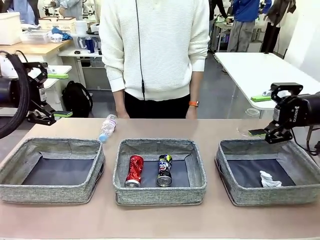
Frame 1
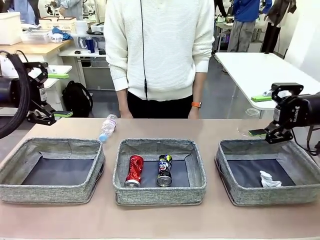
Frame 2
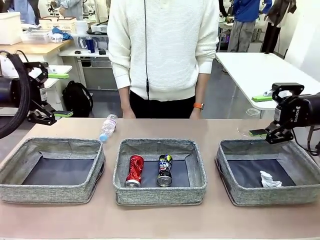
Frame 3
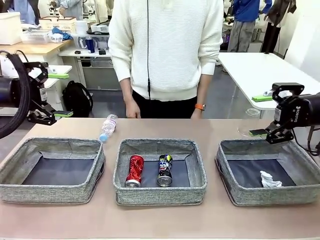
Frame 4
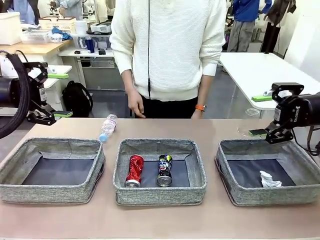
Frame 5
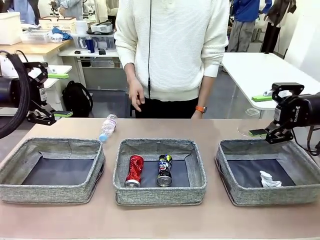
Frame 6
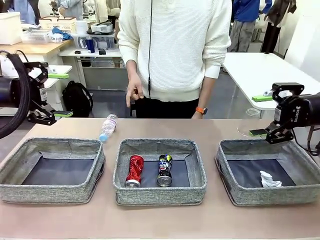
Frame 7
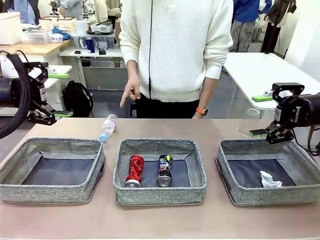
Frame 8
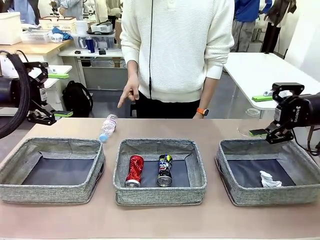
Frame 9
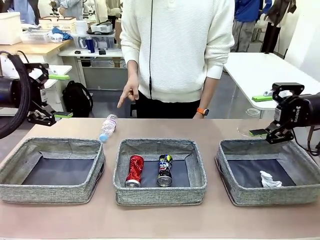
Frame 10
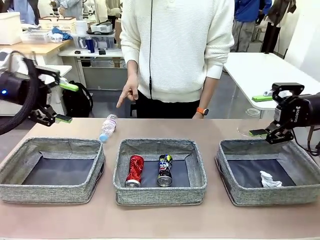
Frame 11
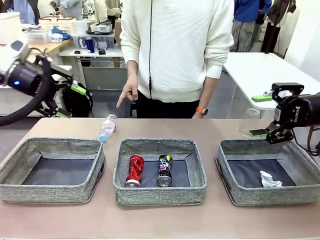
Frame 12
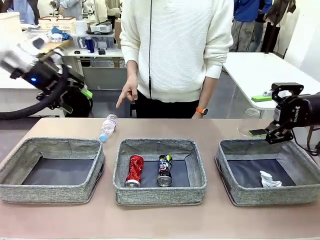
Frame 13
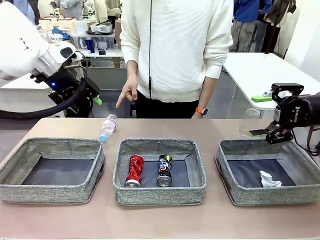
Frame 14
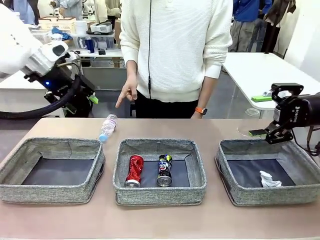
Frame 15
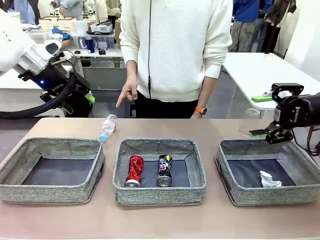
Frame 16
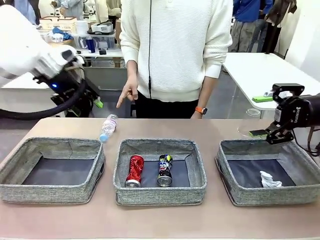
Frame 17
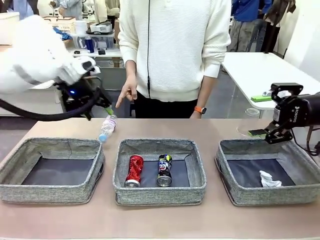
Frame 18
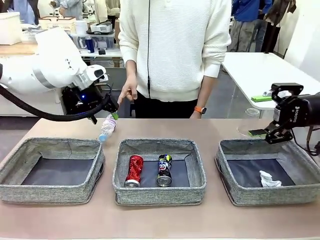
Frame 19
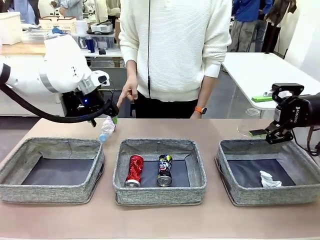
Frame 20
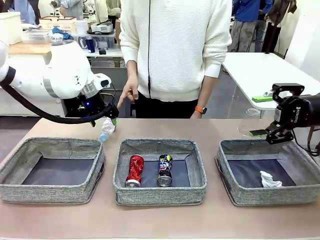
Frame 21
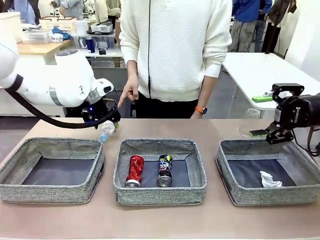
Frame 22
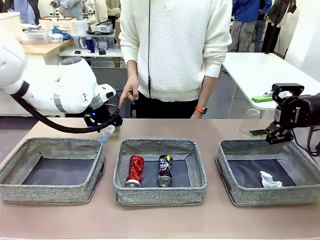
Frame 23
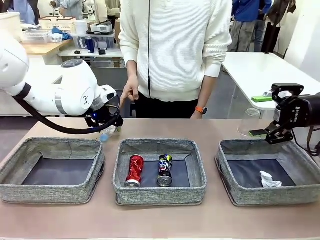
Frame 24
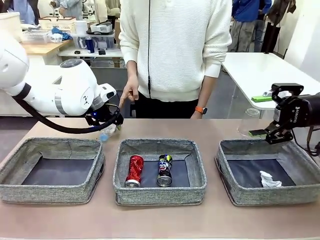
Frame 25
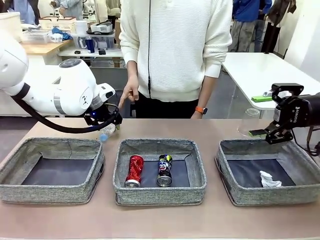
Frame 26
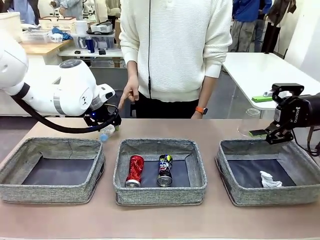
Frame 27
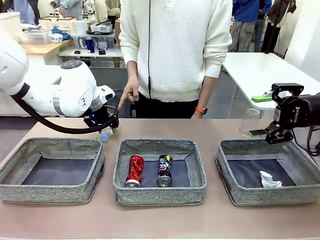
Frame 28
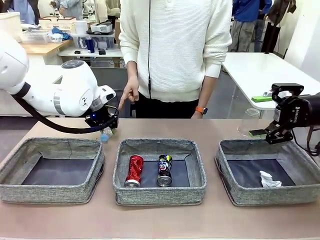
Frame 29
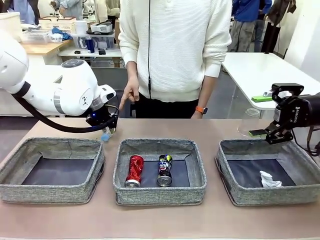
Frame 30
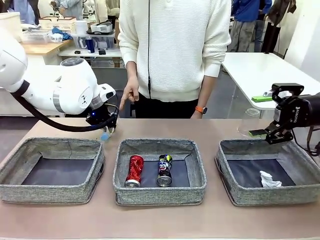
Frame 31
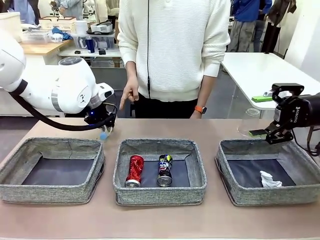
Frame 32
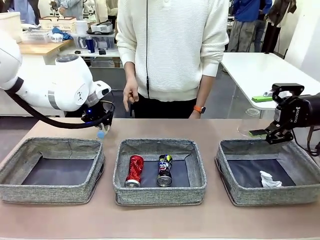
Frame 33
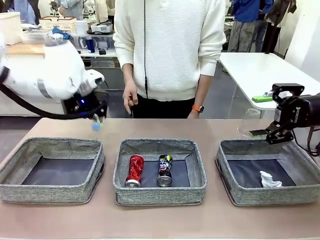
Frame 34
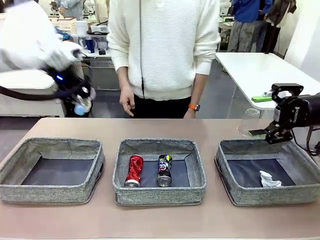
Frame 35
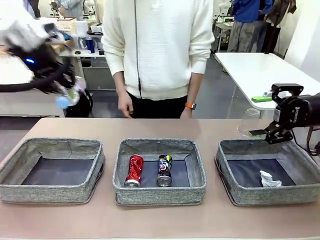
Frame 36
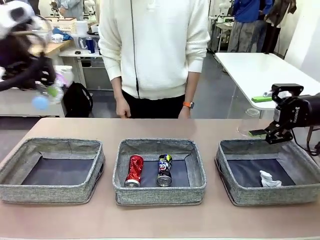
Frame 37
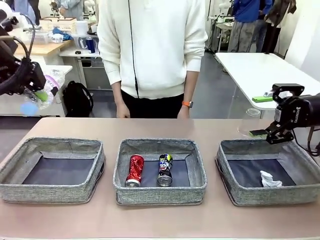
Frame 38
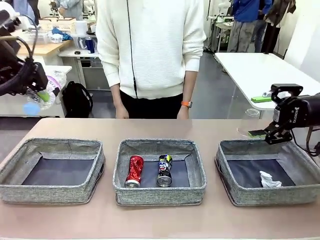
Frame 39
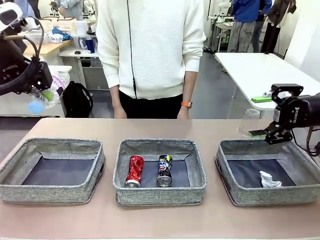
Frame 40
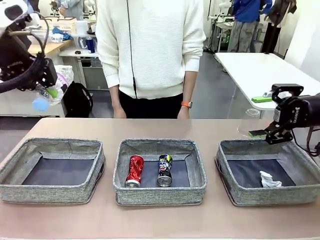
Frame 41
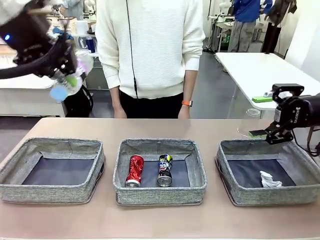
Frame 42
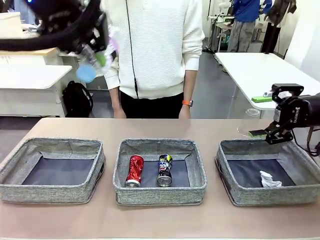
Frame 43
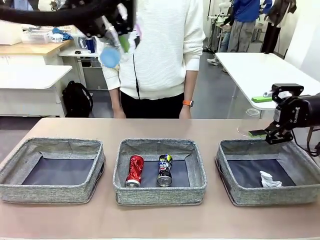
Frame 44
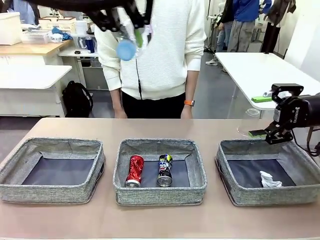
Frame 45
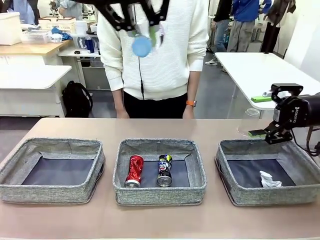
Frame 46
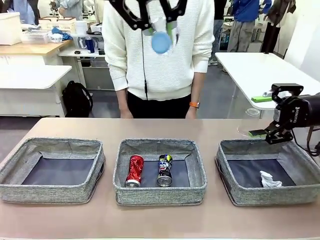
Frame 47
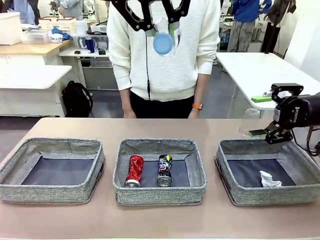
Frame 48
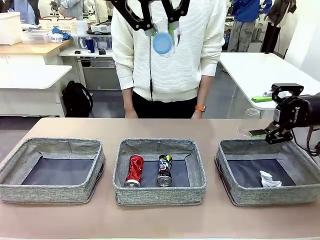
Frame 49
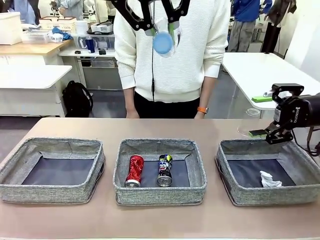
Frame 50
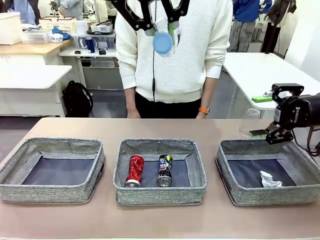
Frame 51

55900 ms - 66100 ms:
Task: Sort the waste into the appropriate baskets.
Robot: Pick up the waste item pointed out by the person.
Person: Points to one piece of trash on the table.

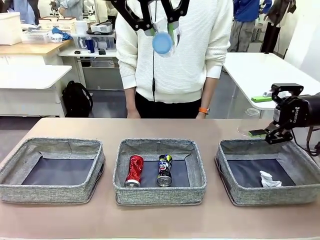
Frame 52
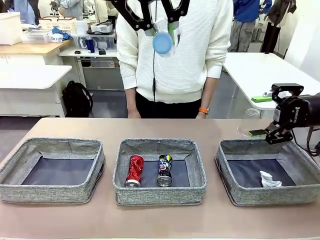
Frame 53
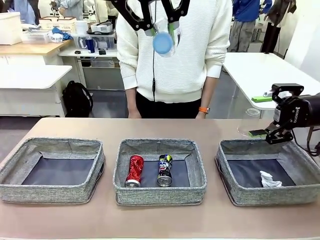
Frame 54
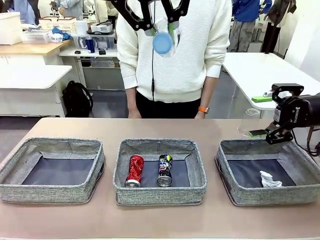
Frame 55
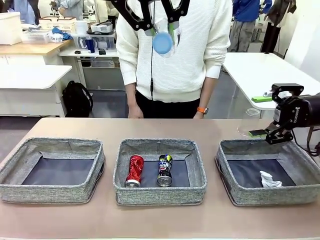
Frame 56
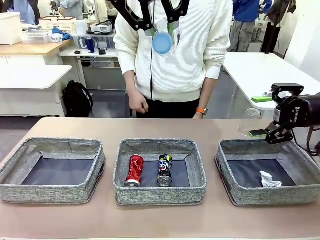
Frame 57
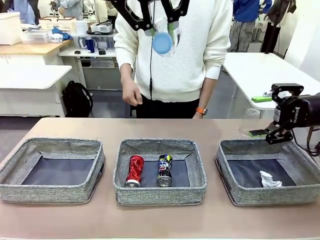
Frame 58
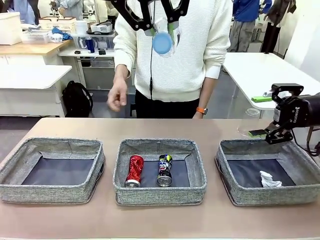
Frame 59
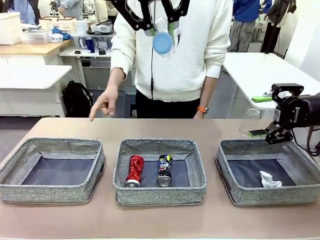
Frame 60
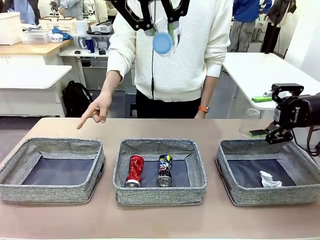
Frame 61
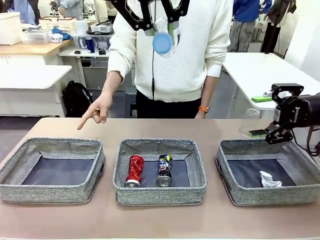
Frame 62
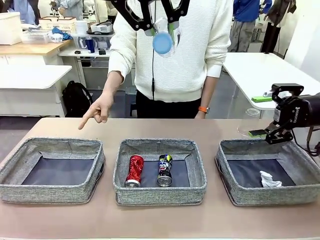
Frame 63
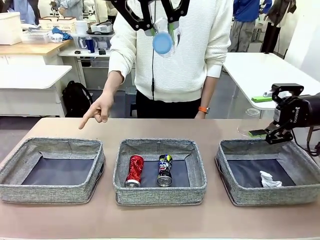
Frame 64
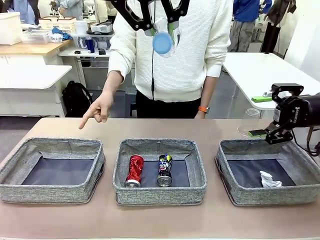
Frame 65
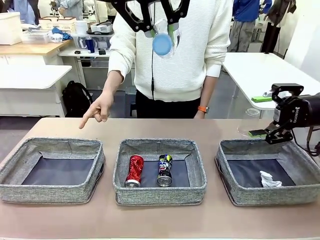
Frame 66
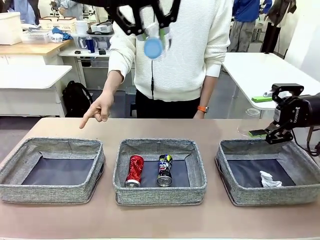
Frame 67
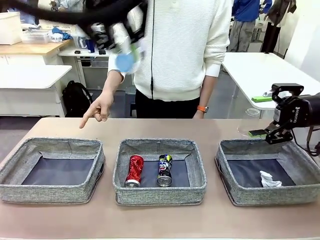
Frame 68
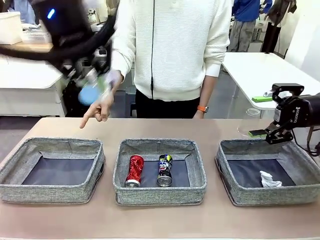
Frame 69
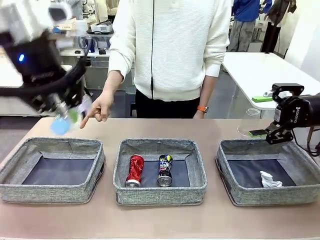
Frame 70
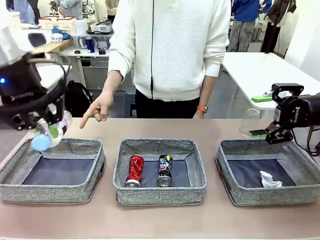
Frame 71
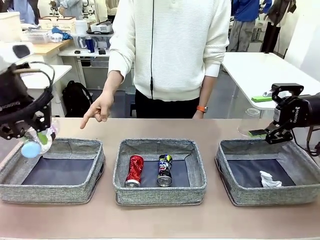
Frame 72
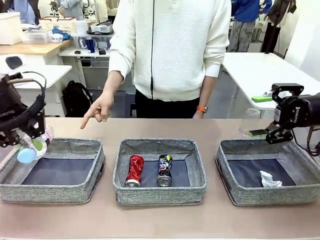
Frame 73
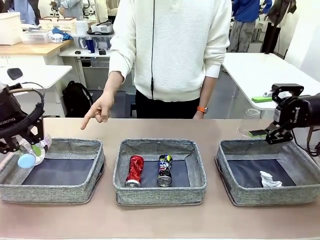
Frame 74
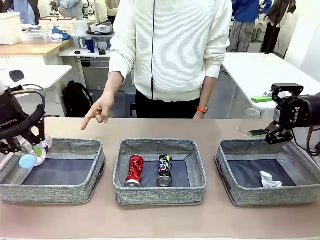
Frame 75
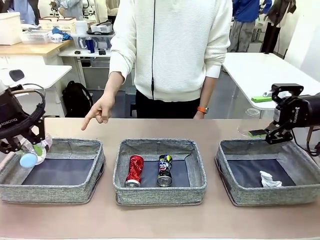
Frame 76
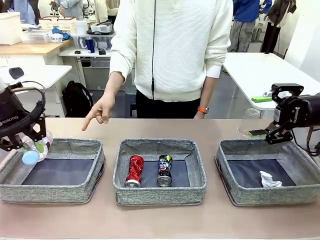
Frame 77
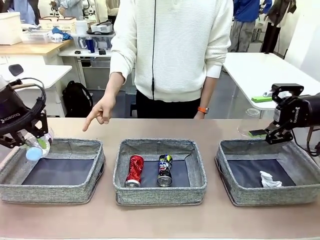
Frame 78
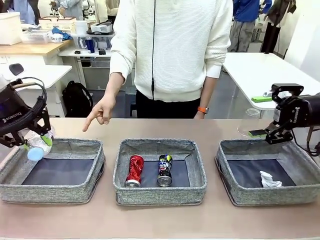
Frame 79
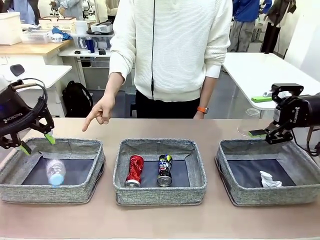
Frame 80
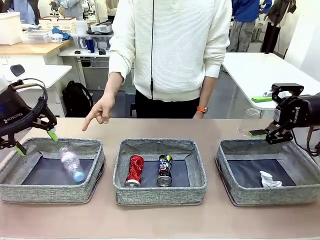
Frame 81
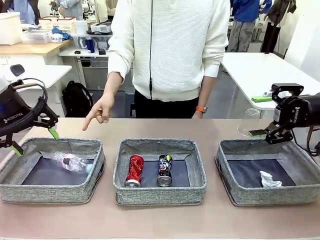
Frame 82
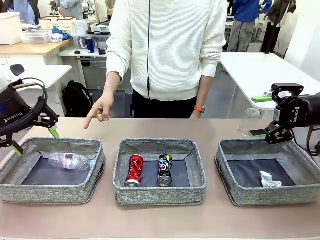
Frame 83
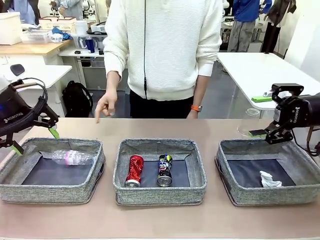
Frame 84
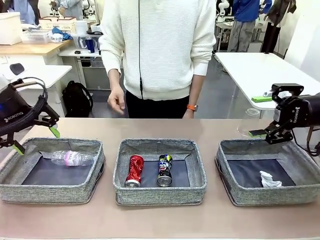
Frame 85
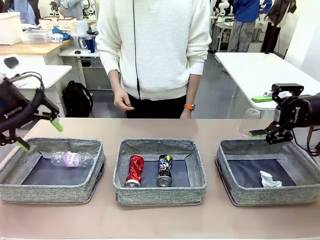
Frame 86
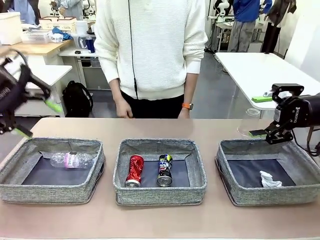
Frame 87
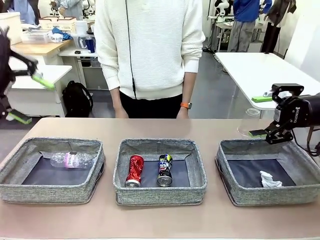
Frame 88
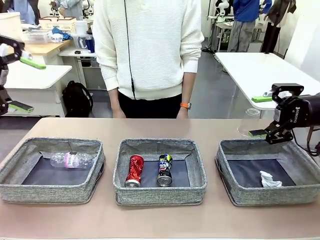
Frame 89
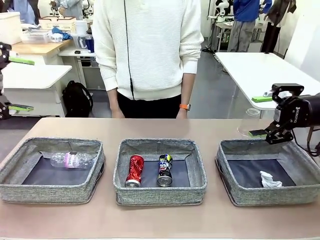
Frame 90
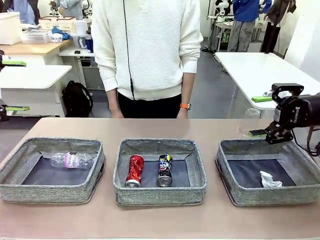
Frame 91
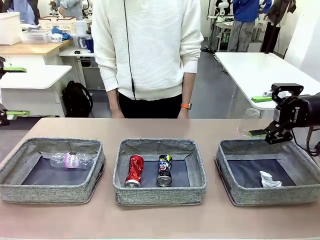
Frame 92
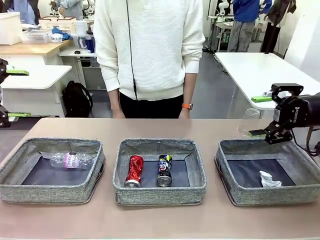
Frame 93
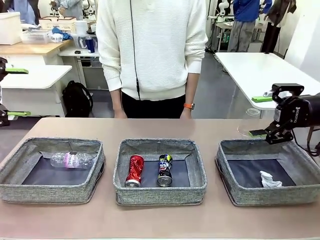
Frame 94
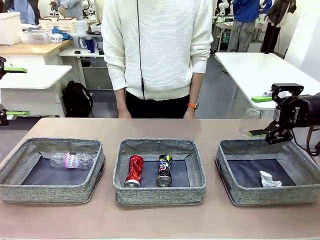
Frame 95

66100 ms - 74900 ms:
Robot: Place the picked waste into the Fabric basket indicated by the person.
Person: Instructs the robot to place the picked-up trash into the appropriate organizing basket.
